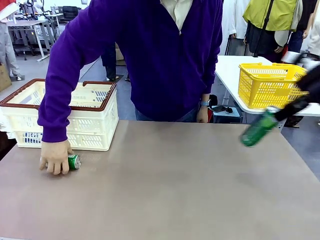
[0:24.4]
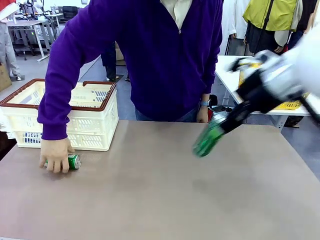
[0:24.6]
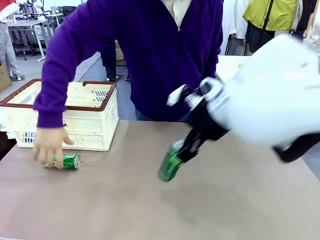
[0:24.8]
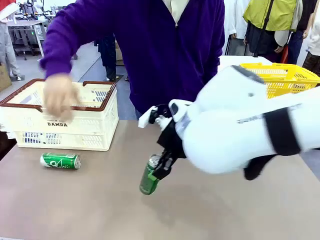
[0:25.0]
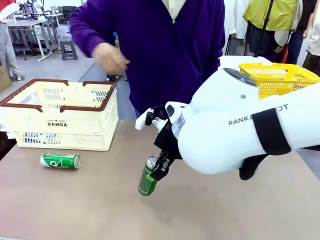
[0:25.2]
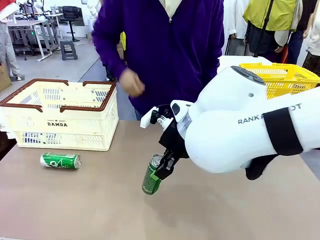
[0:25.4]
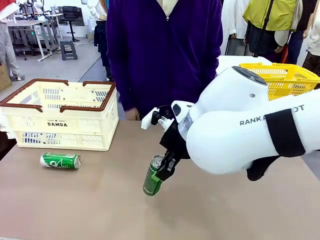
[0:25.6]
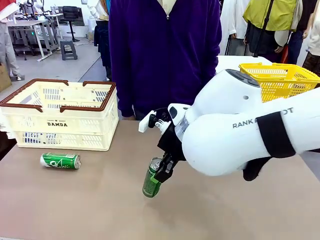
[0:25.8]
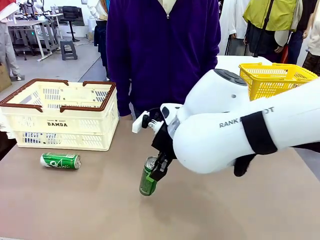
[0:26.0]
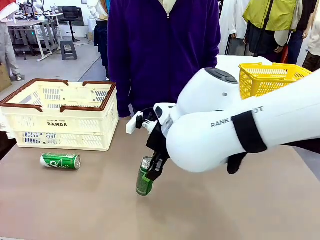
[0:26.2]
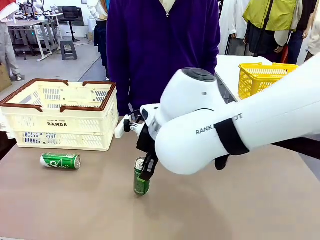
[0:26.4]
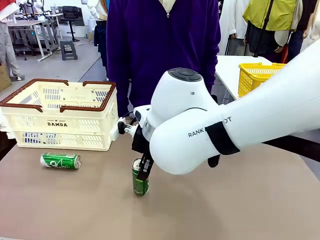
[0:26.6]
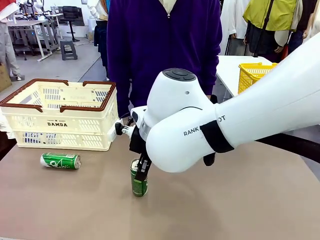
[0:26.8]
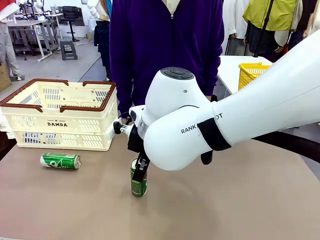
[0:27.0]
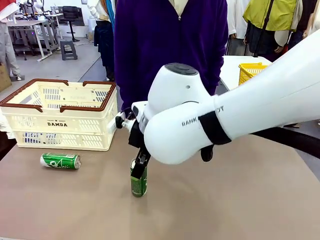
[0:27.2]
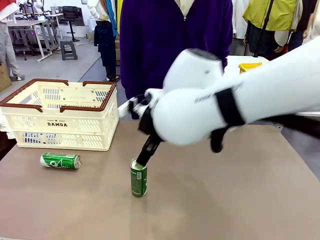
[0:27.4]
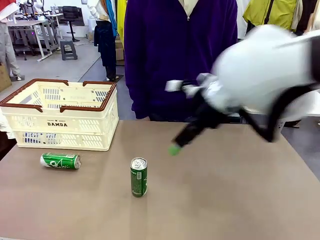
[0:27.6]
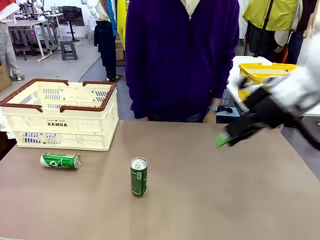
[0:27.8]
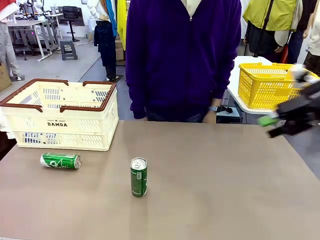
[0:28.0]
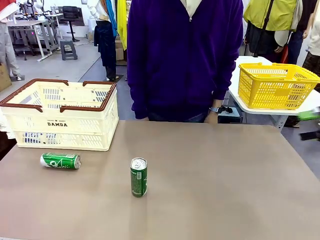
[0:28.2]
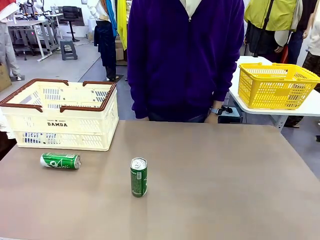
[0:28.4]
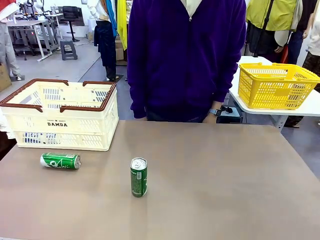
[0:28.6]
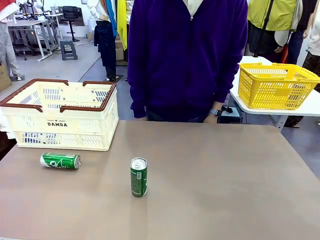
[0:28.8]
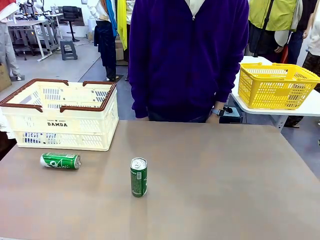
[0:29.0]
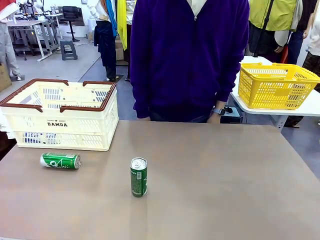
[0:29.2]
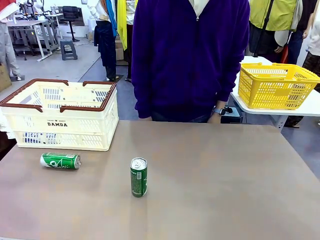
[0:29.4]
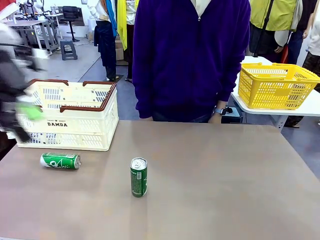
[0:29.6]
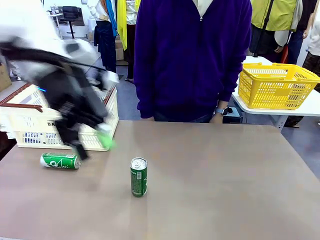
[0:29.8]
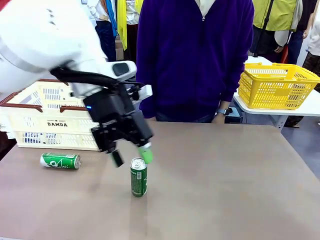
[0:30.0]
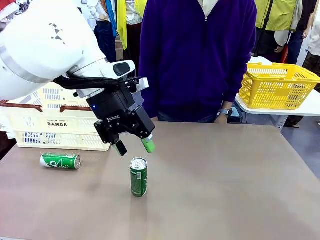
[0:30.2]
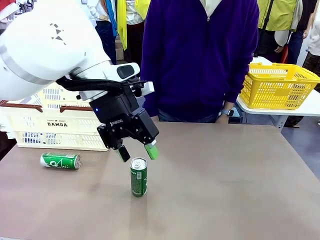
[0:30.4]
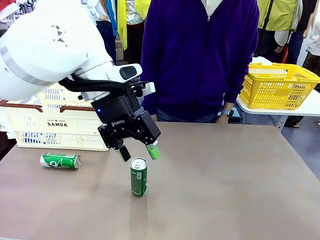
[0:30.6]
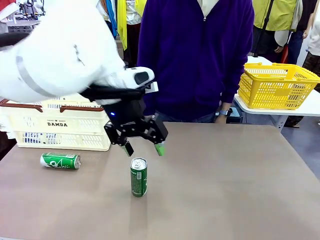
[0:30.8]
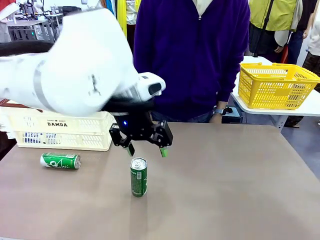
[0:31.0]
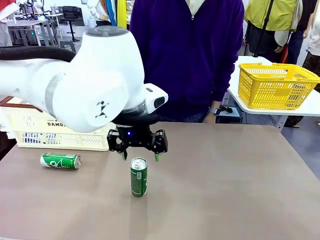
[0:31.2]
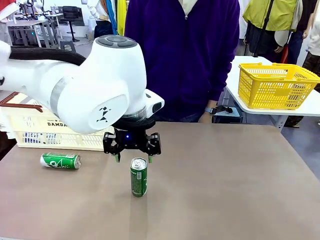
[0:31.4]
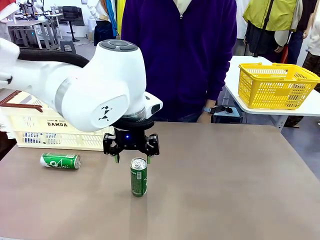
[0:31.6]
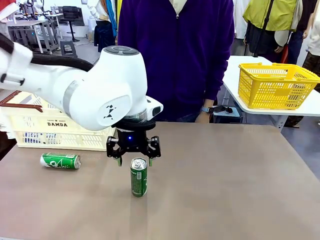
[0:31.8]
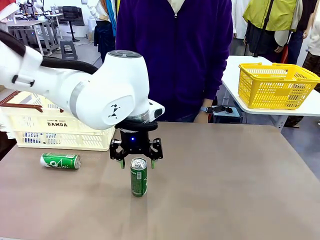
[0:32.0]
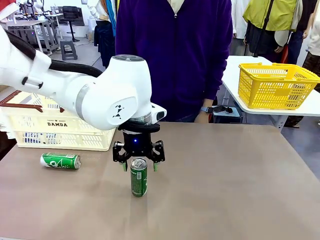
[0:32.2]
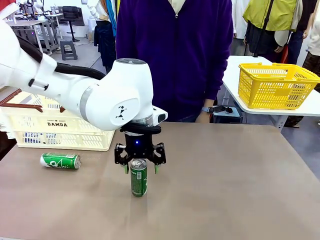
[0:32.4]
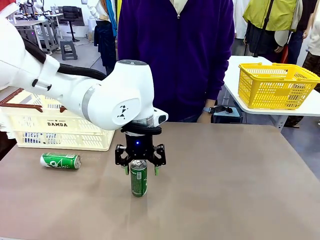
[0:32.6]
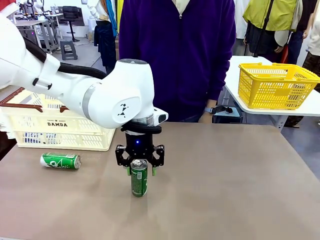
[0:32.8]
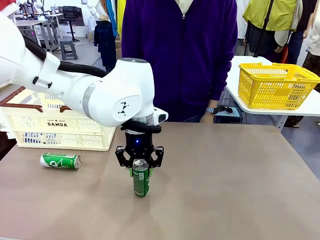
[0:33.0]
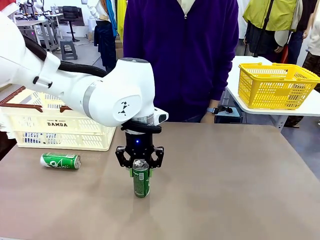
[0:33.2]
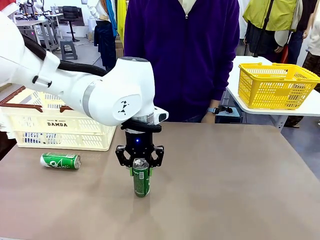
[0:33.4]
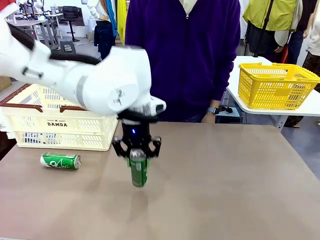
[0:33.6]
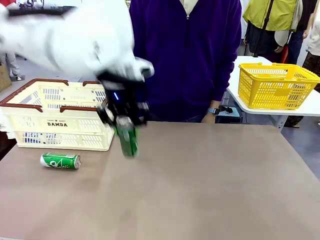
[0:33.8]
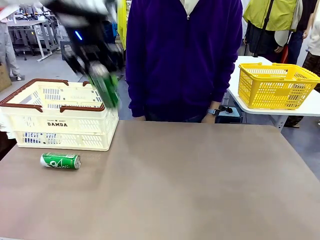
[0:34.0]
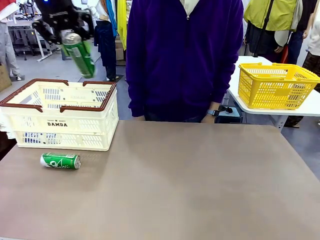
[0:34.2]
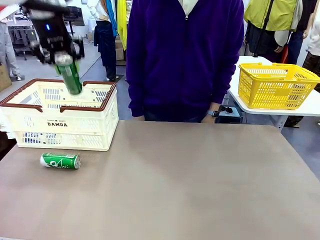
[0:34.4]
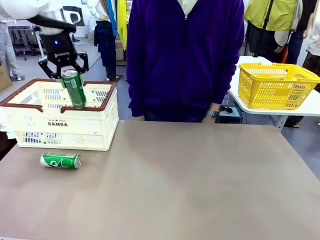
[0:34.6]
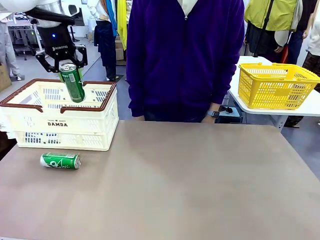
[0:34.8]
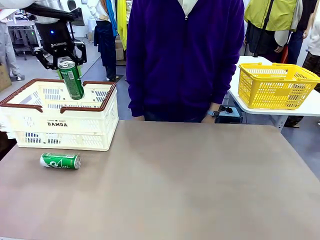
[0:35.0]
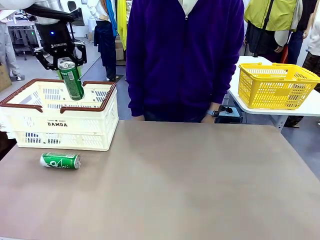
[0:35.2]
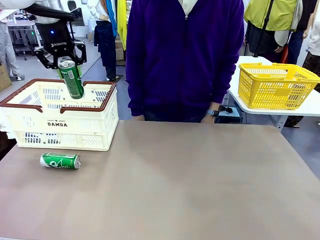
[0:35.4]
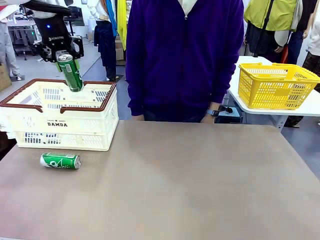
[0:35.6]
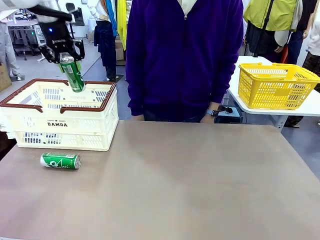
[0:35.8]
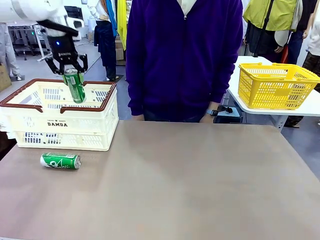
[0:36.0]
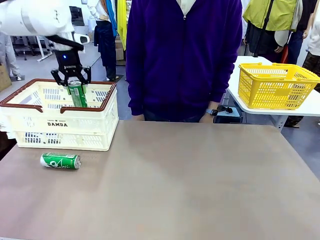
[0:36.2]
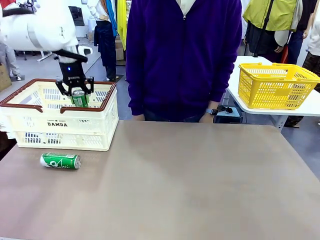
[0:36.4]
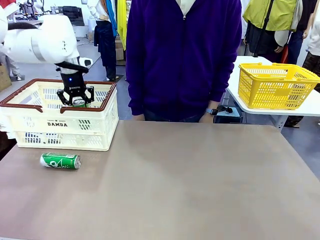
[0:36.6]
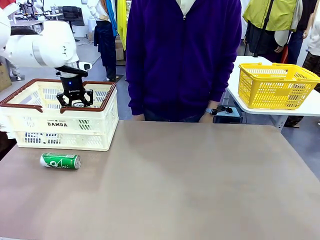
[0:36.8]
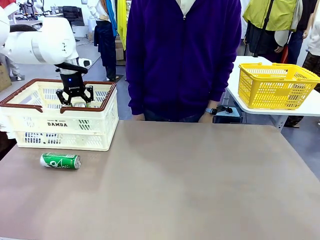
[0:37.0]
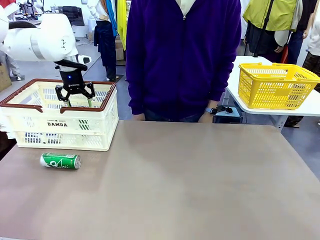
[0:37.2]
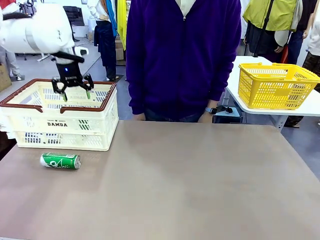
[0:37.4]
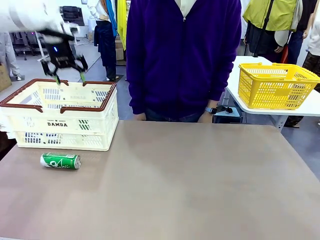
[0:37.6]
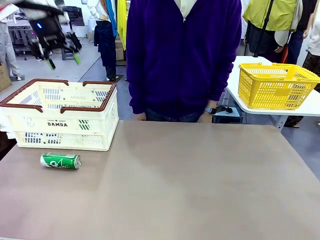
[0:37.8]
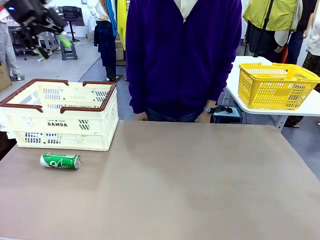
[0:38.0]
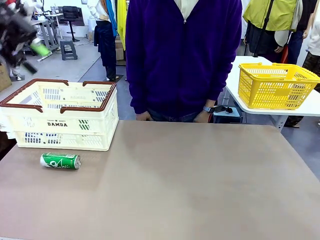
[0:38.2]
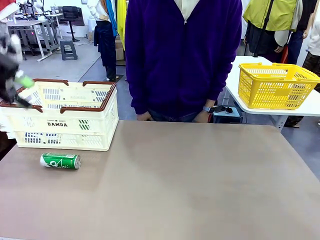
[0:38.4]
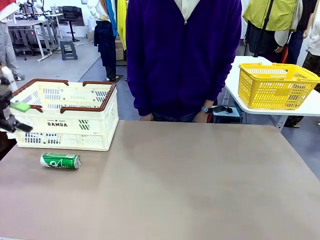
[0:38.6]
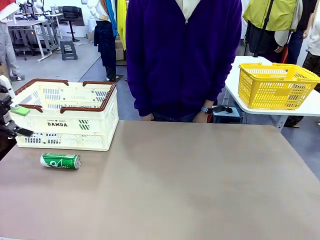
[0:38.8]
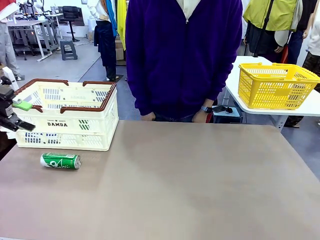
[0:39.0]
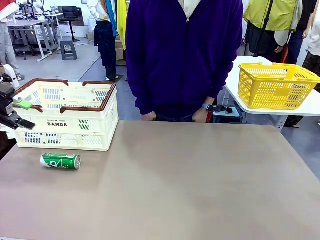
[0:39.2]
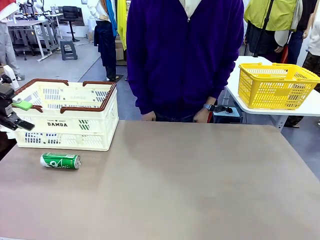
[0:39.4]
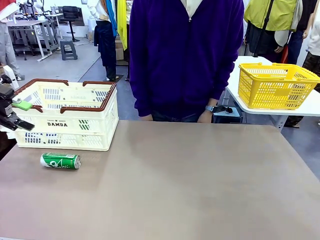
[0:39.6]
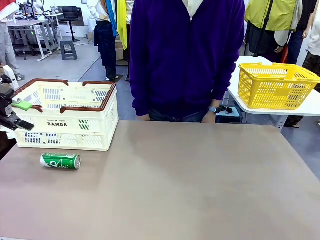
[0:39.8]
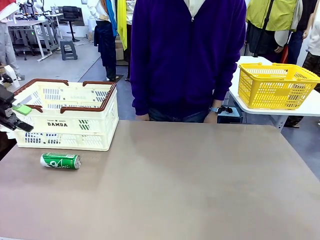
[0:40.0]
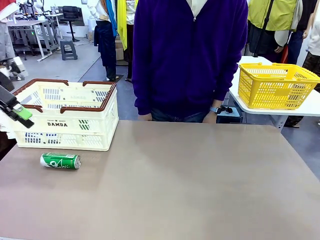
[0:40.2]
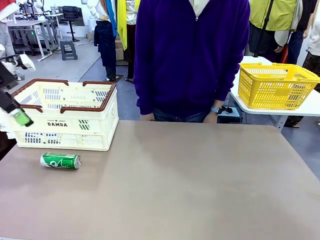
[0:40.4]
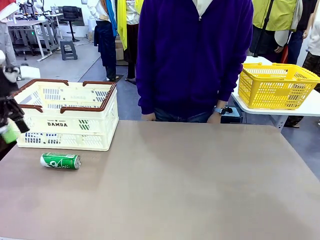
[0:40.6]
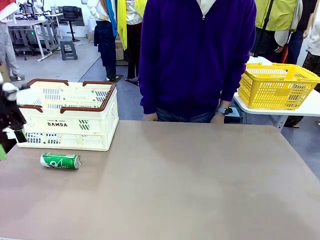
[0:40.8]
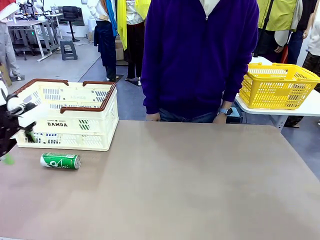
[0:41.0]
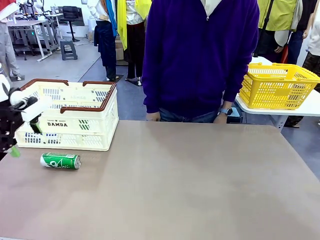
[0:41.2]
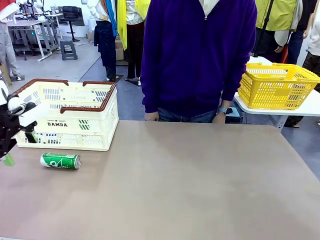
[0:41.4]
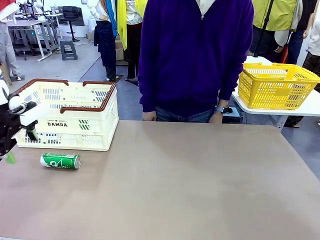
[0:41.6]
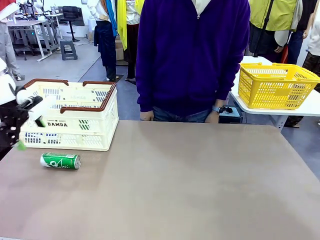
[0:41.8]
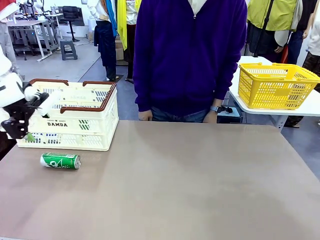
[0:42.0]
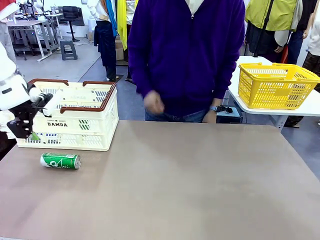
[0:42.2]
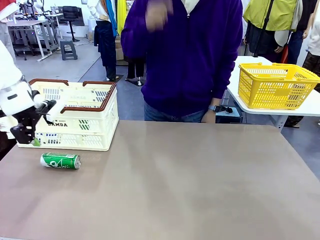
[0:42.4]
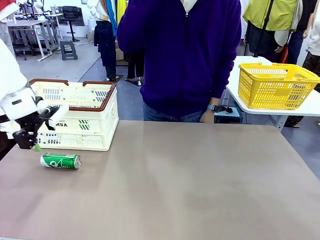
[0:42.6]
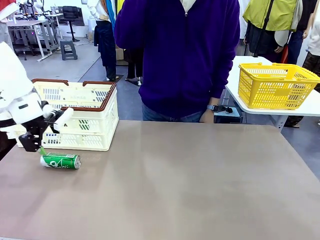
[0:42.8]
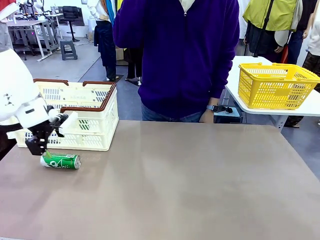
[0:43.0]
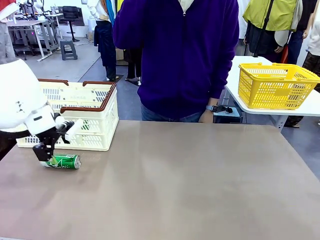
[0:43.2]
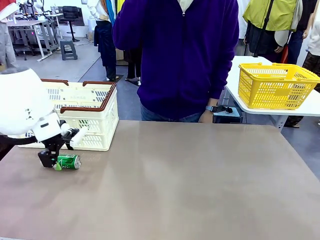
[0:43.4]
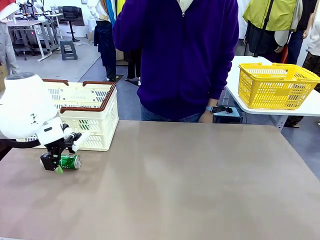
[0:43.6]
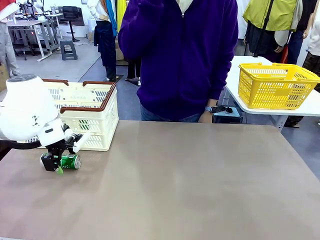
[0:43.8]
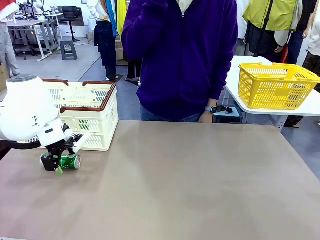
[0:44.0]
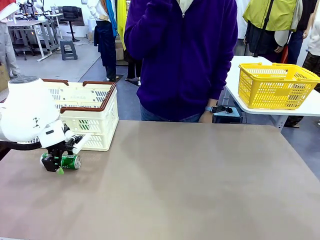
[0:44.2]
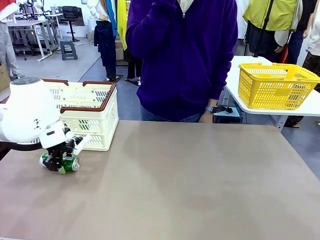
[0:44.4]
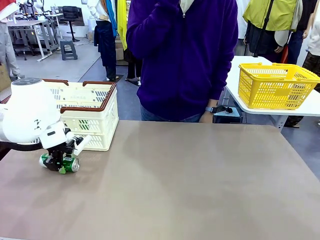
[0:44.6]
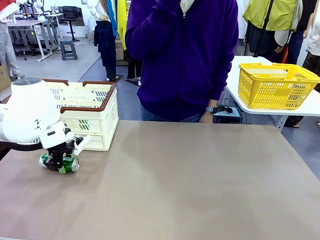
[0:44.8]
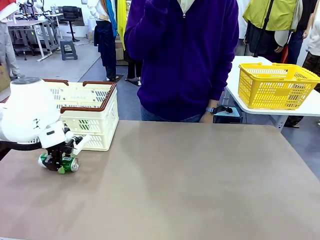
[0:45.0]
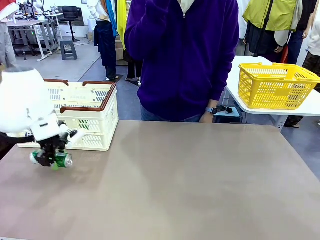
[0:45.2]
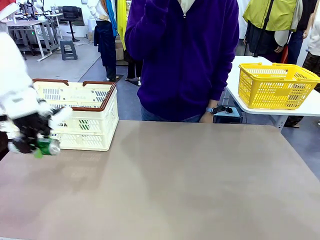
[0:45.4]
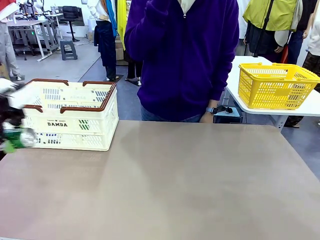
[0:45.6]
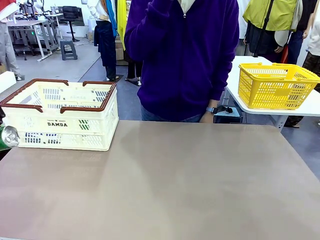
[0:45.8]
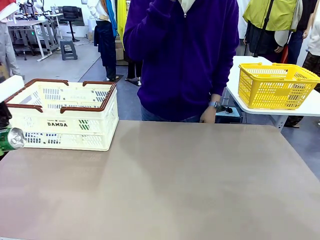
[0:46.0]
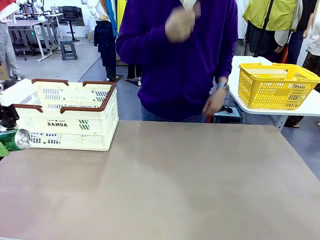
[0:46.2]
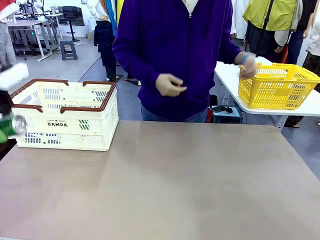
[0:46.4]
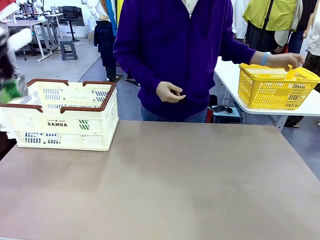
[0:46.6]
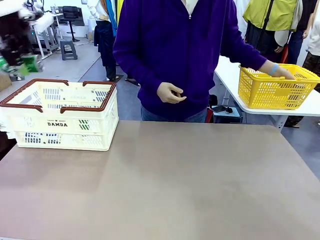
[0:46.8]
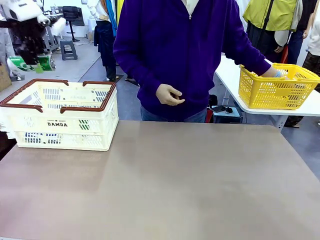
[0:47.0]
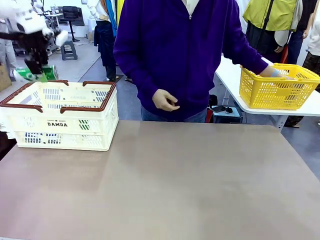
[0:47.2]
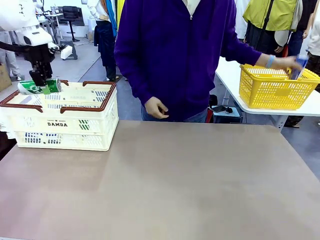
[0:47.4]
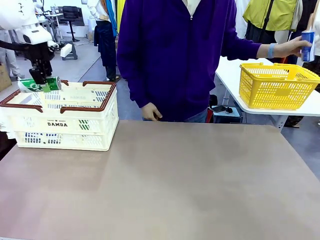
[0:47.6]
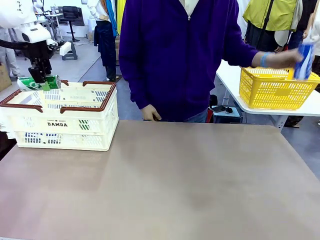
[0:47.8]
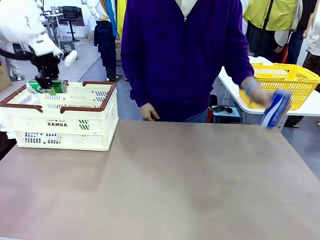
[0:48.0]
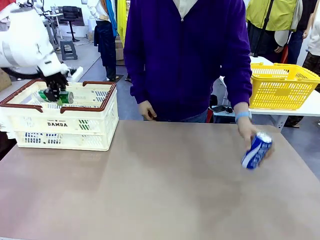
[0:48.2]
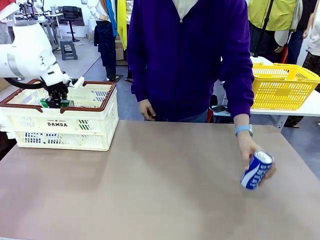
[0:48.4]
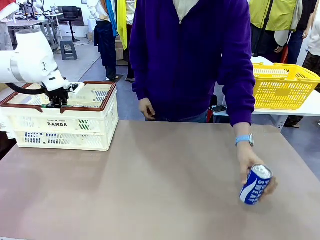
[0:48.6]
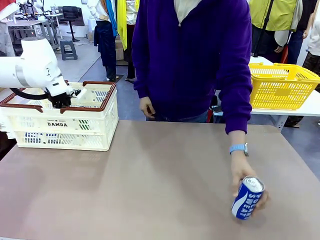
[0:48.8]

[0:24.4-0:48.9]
Task: Place the drinks into the Shopping basket.
Robot: Pick up one drink and place it into the Shopping basket.
